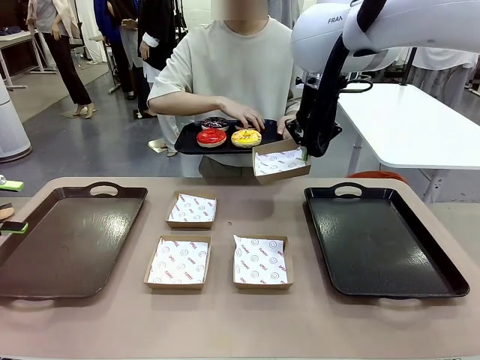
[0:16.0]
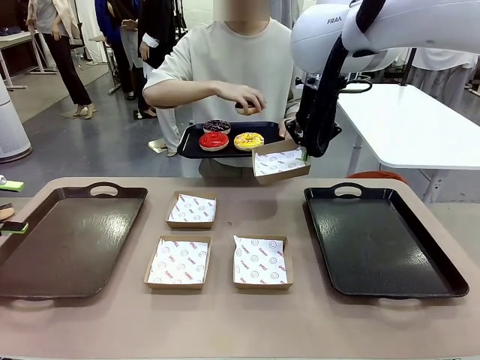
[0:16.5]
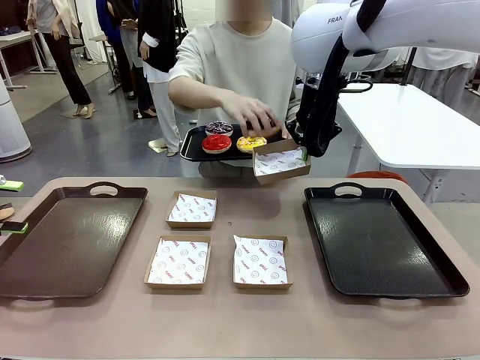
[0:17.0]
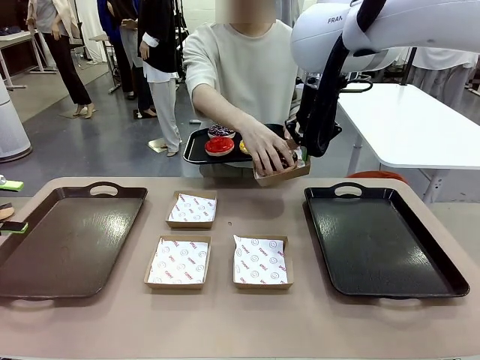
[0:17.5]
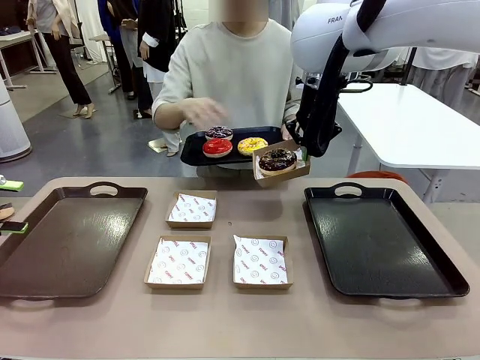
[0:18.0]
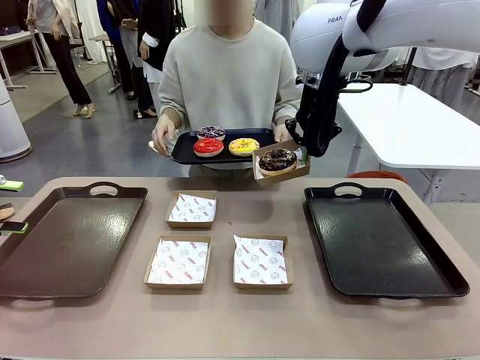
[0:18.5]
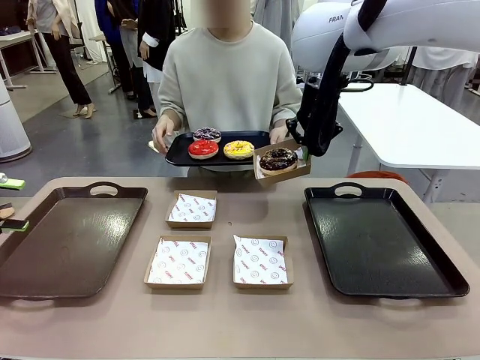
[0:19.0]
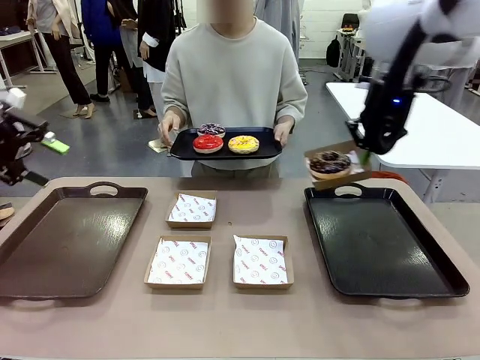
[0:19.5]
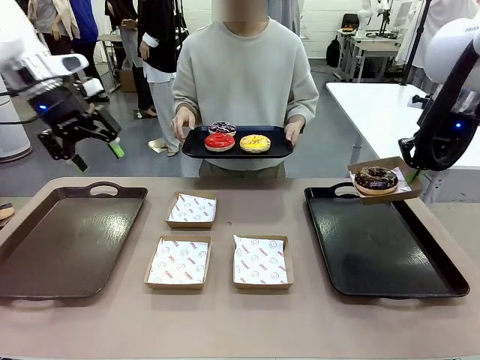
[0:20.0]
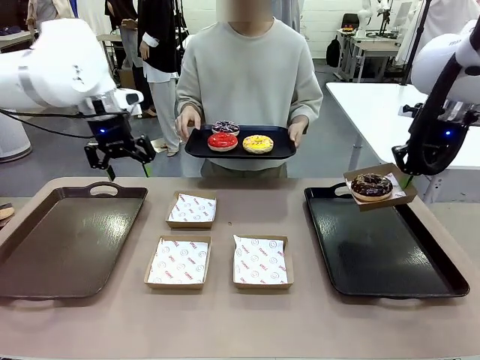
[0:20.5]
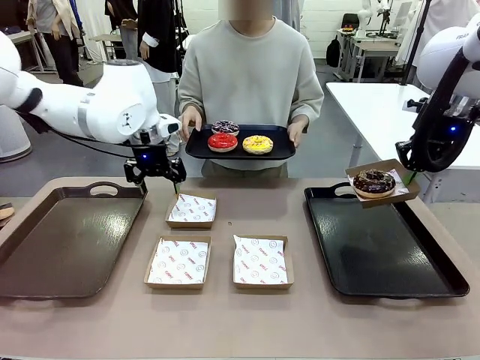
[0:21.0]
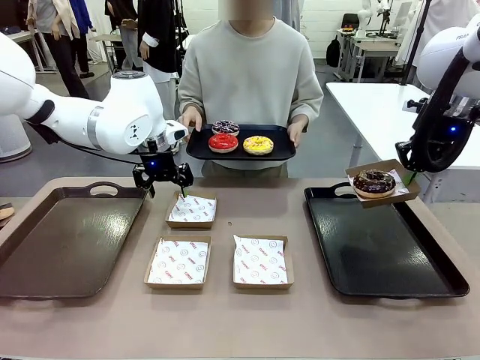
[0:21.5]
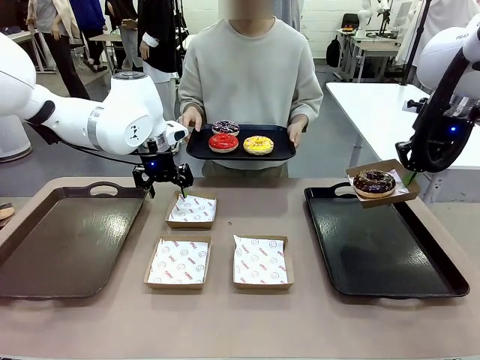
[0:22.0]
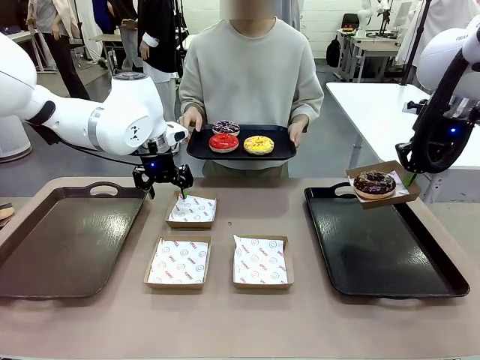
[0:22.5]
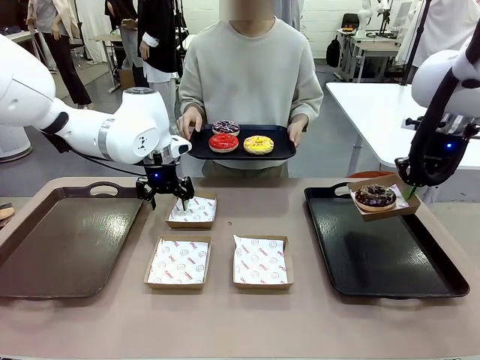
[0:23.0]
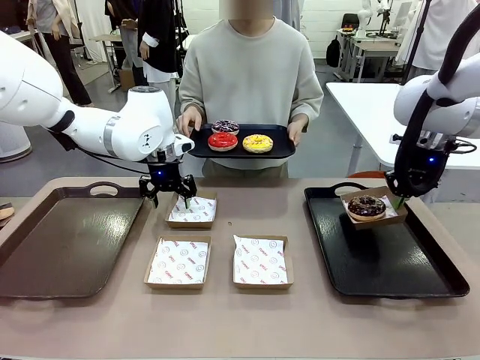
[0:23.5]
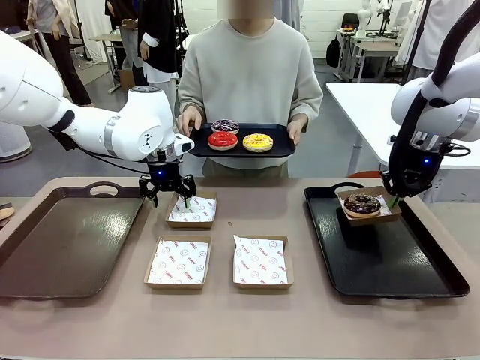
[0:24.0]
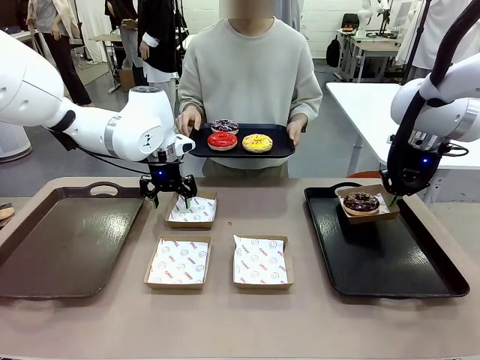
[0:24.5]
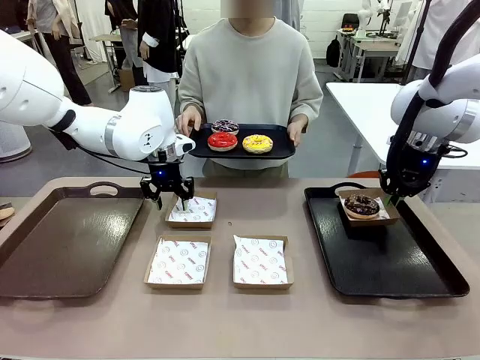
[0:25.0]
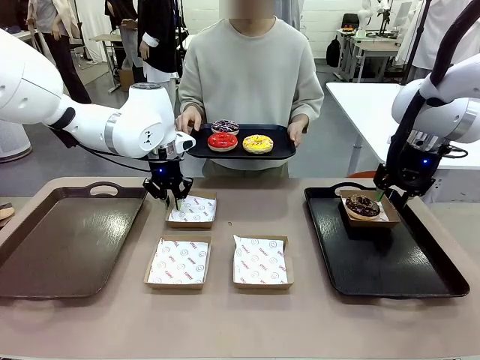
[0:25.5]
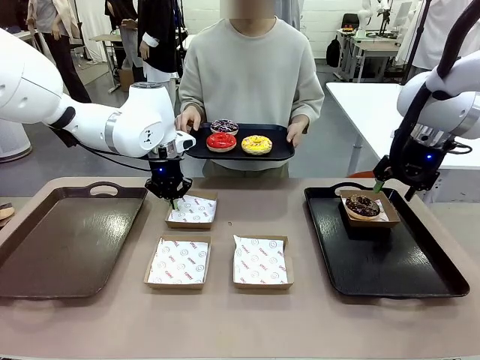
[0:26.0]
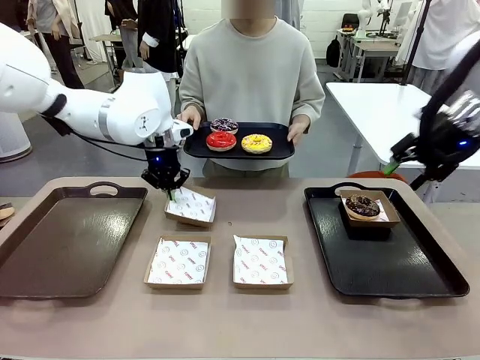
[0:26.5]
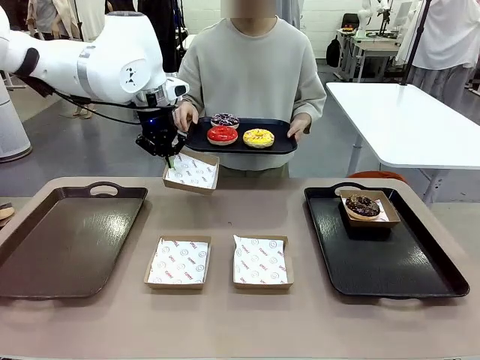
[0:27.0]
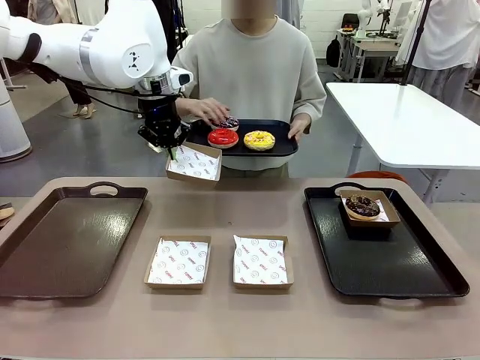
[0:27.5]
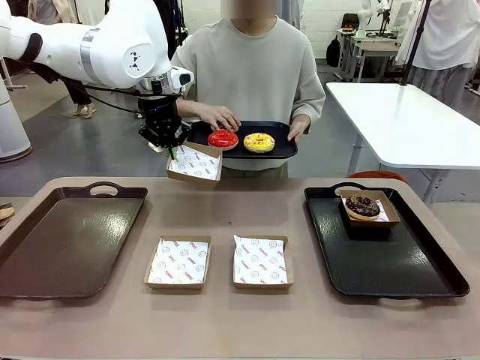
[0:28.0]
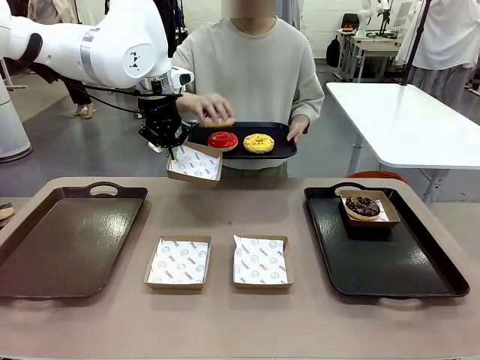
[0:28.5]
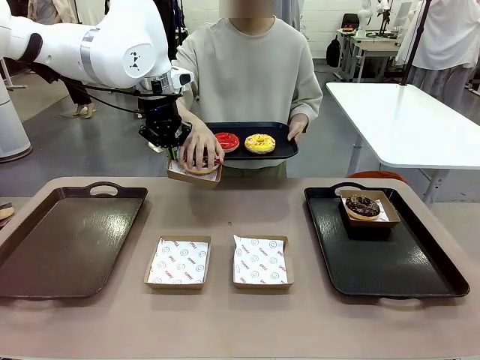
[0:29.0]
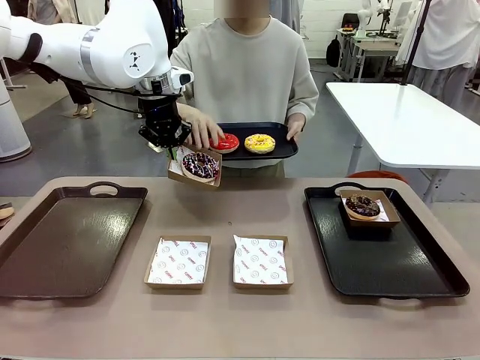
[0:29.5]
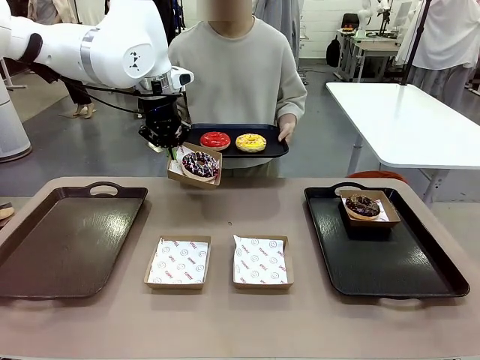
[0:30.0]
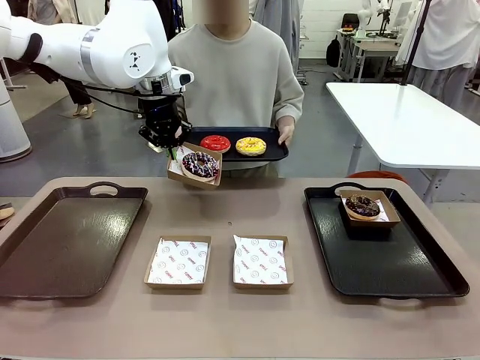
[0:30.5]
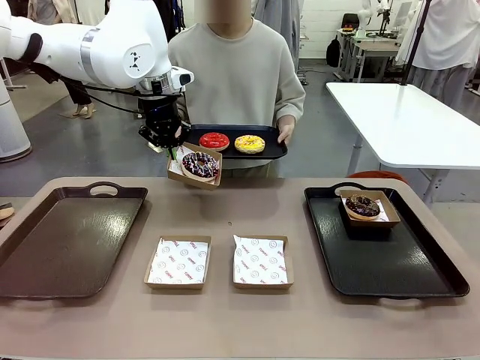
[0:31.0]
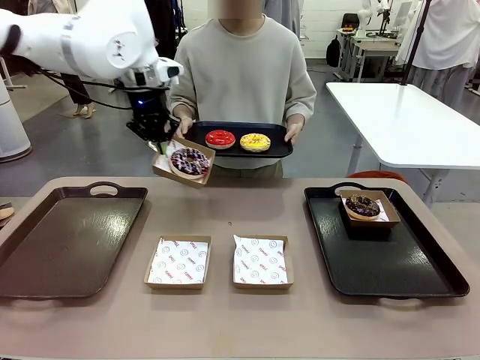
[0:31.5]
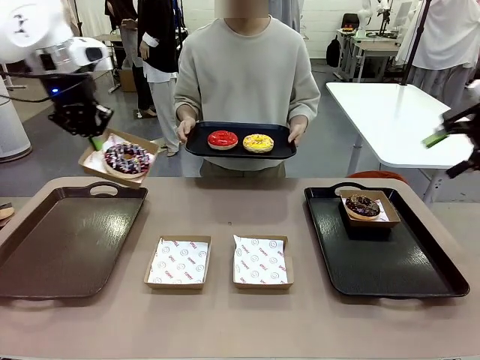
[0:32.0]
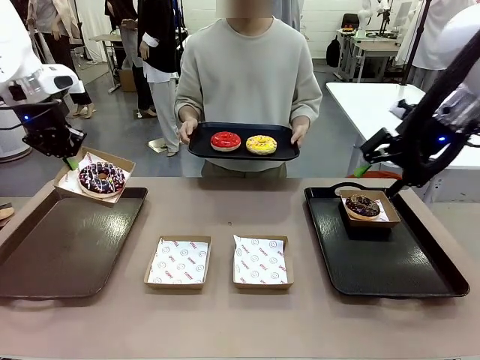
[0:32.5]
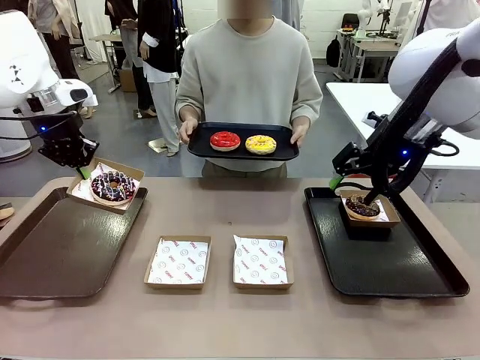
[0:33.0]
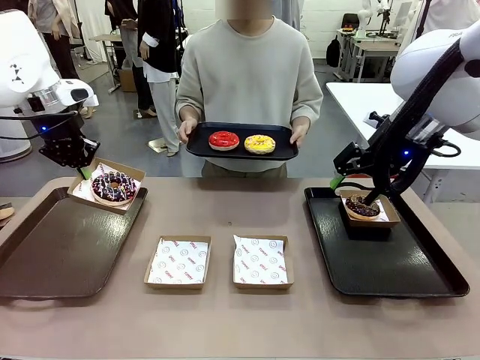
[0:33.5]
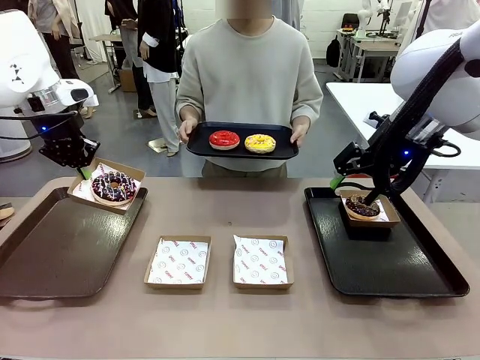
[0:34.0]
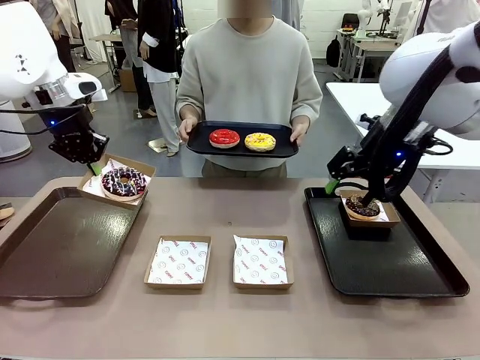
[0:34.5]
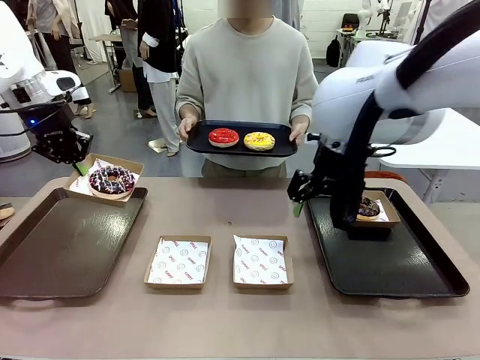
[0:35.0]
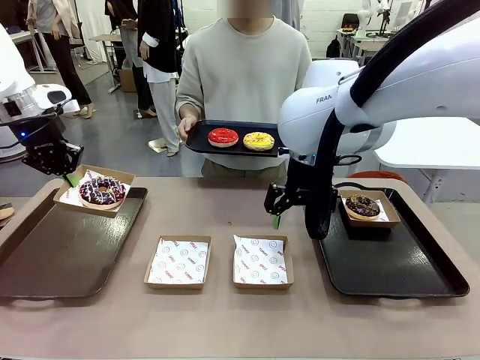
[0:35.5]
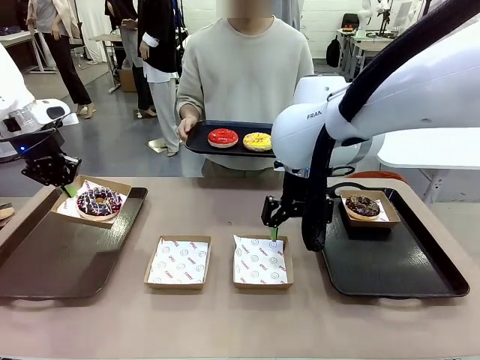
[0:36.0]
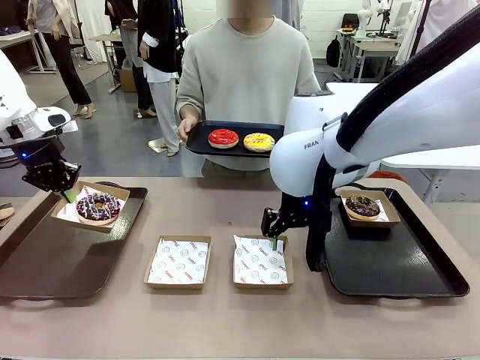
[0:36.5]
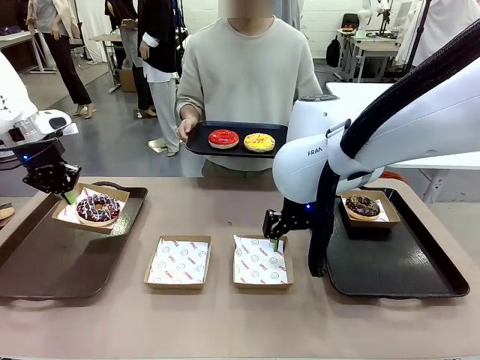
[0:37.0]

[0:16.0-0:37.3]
Task: Individually package the donuts and arrange them on the tray.
Robot: Place the picked Paper togo box on the Handle tray while simultaneously picking up another Paper togo box from the table with the other hand.

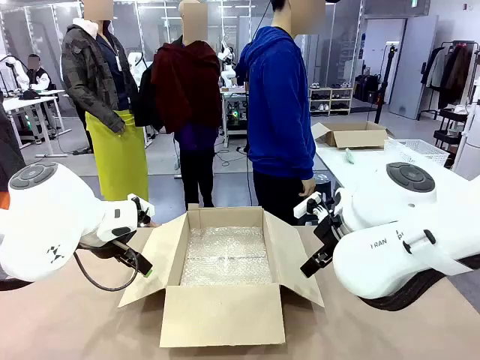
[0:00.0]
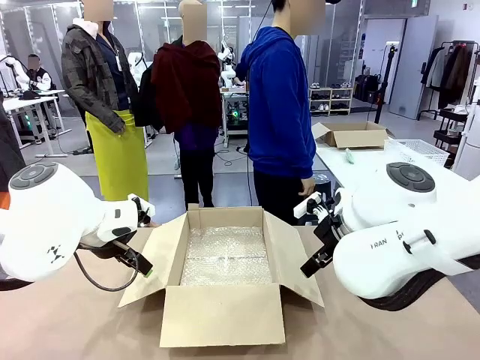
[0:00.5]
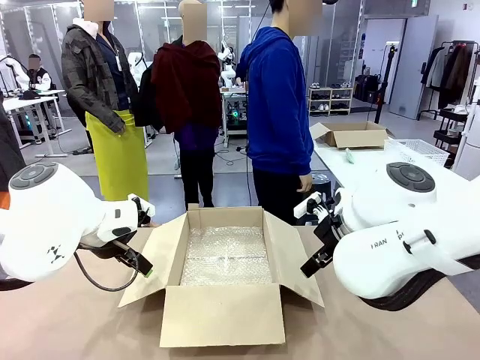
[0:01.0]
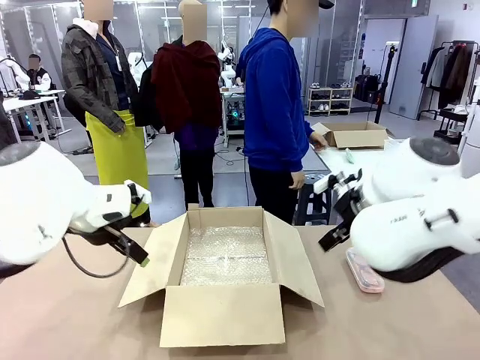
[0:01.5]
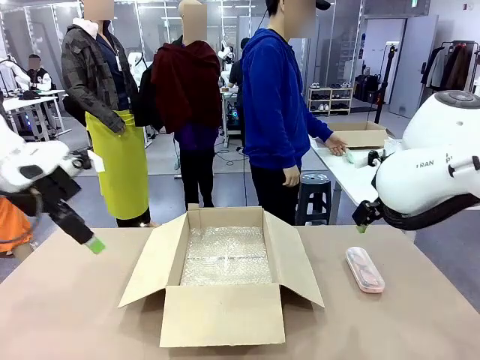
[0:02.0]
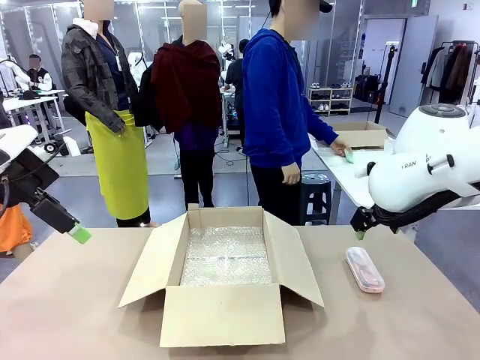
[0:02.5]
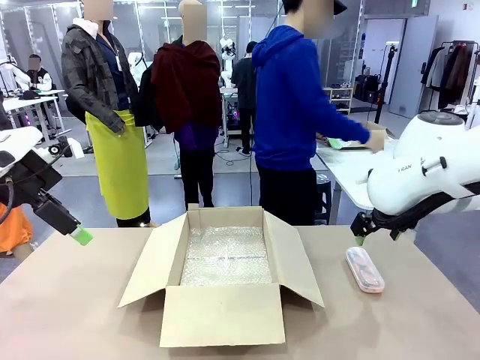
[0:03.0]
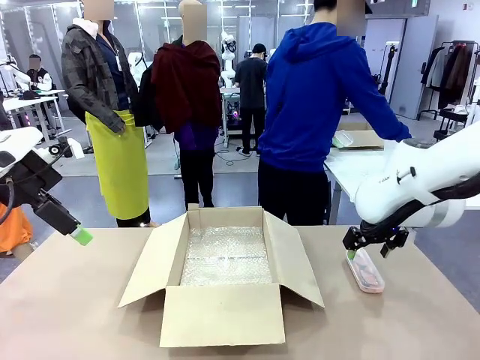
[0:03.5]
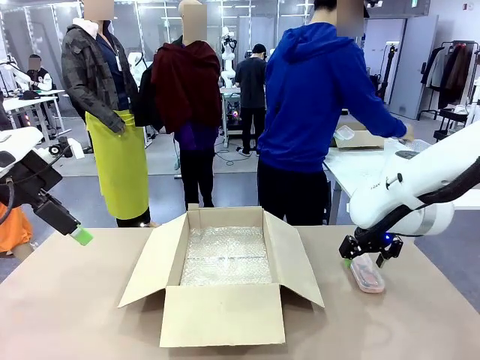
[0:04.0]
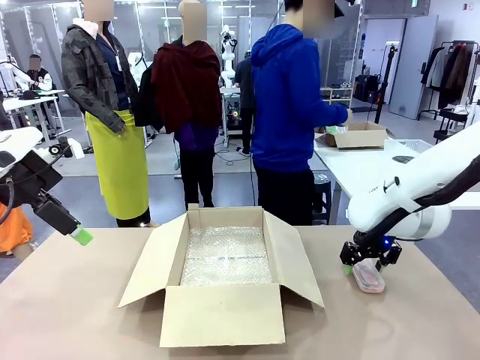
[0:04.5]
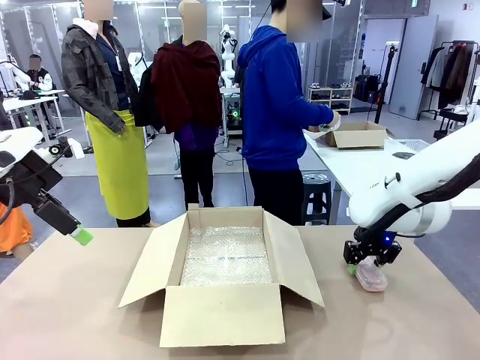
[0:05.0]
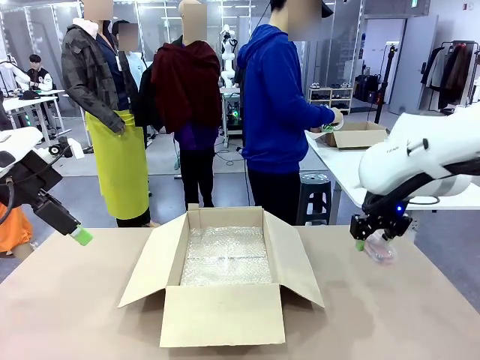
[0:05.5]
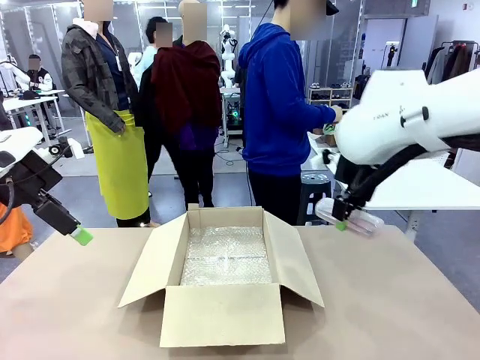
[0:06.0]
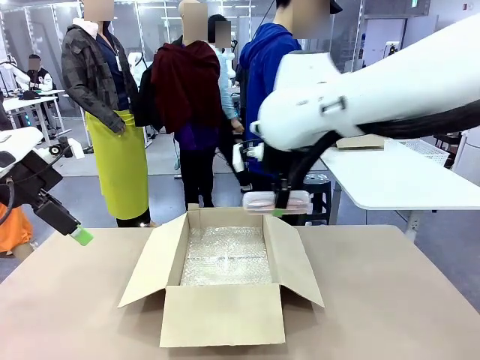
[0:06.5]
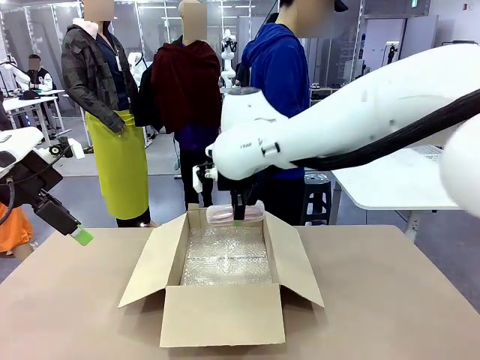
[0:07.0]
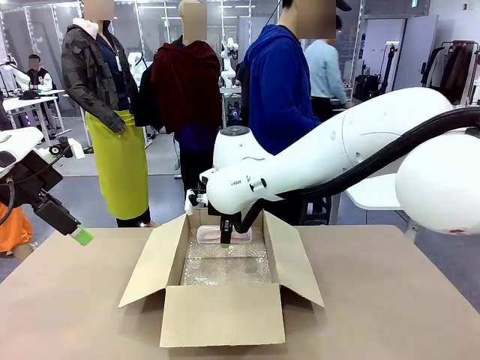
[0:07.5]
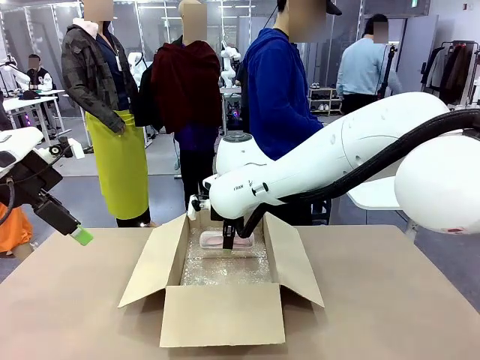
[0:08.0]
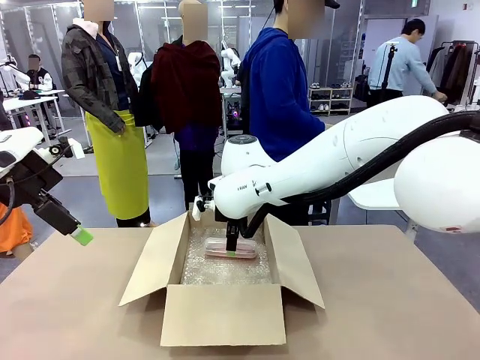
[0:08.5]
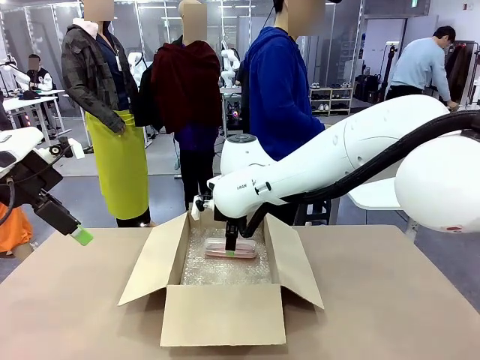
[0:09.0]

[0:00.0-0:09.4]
Task: Pack the glasses set securely to prepare it for shipping.
Robot: Place the Glasses case inside the Package Box.
Person: Place the Glasses inside the Glasses case.
